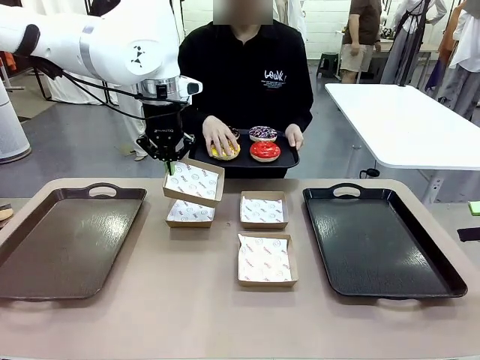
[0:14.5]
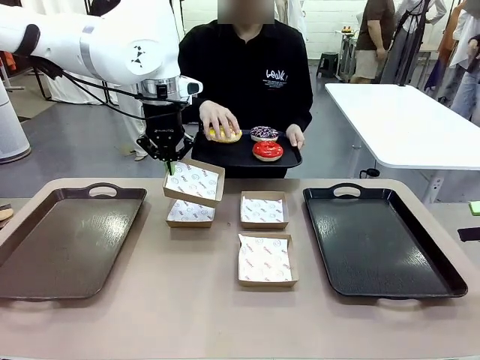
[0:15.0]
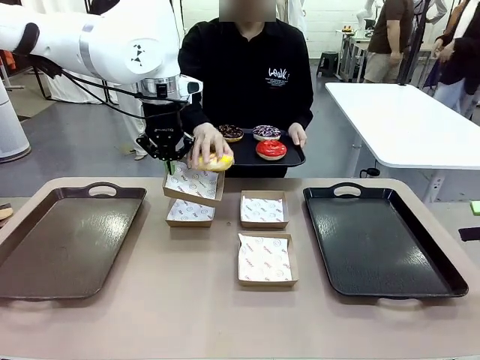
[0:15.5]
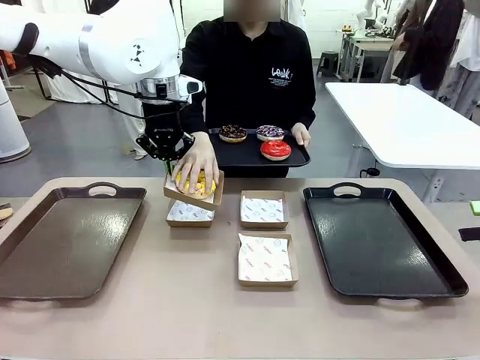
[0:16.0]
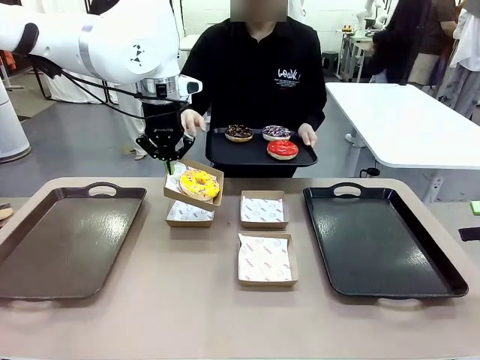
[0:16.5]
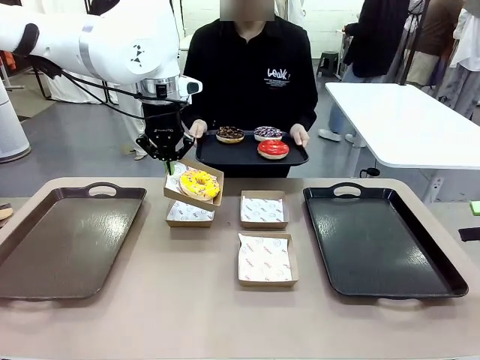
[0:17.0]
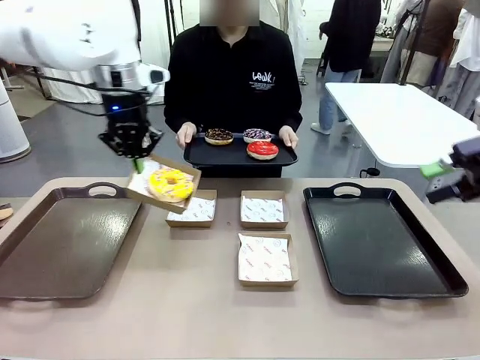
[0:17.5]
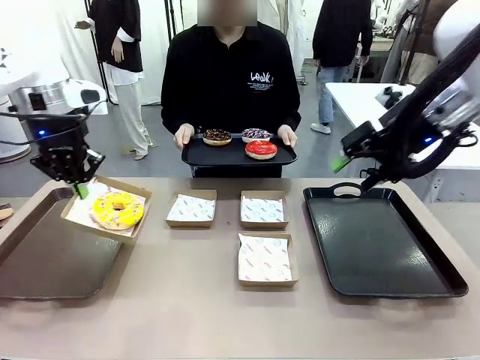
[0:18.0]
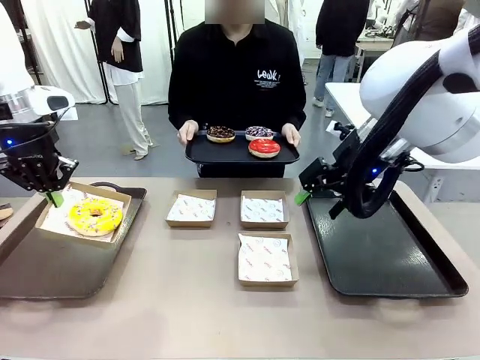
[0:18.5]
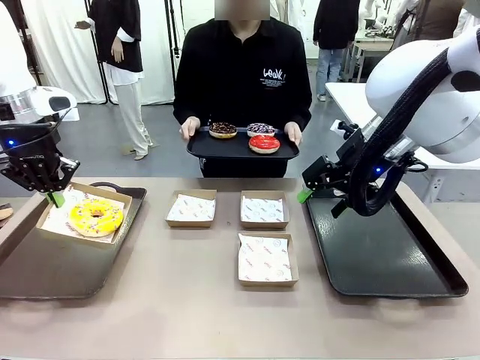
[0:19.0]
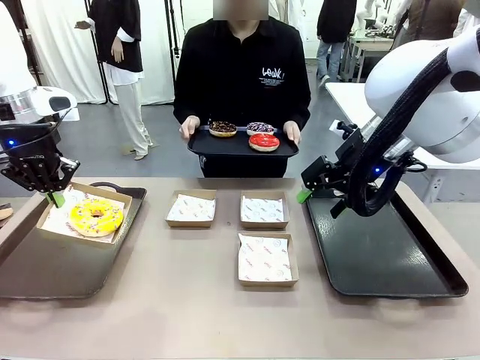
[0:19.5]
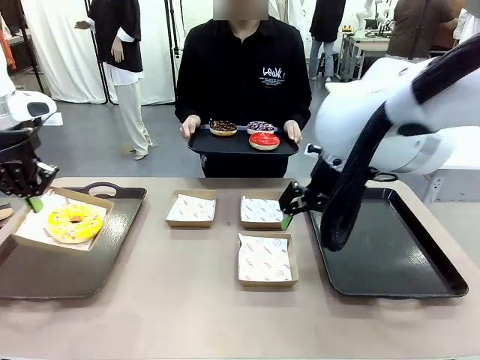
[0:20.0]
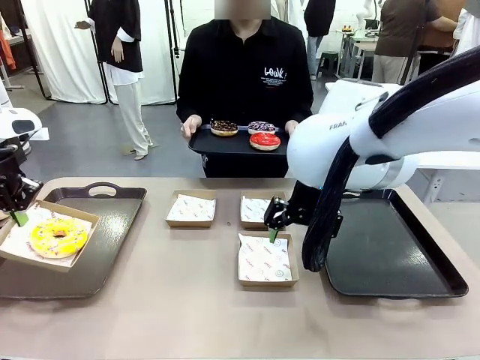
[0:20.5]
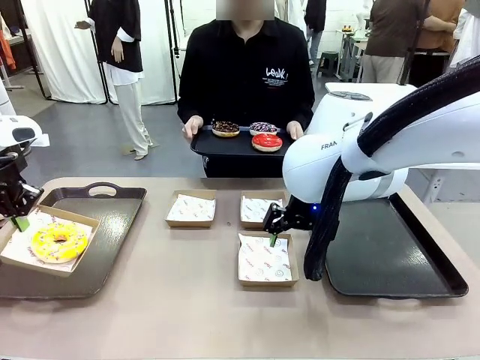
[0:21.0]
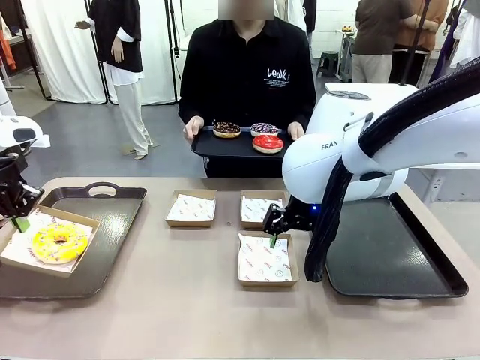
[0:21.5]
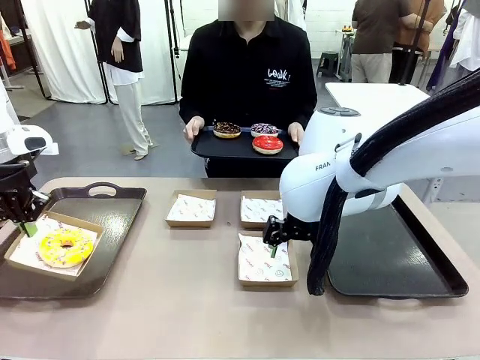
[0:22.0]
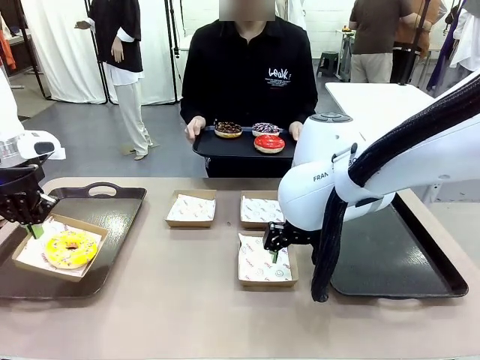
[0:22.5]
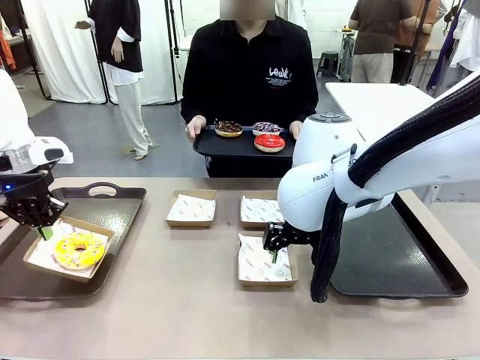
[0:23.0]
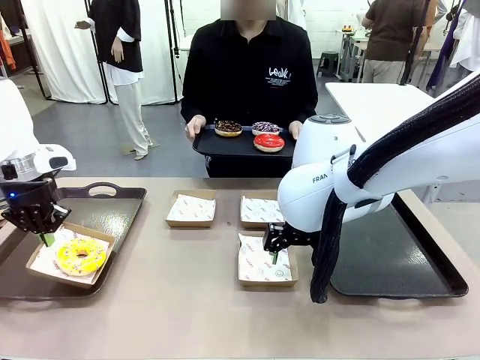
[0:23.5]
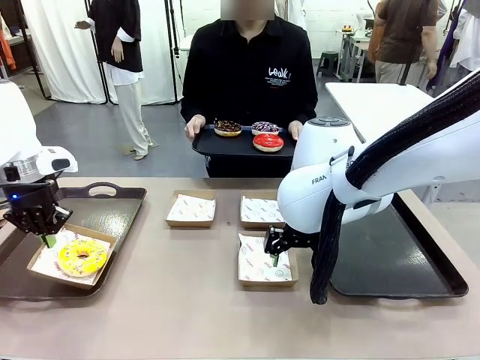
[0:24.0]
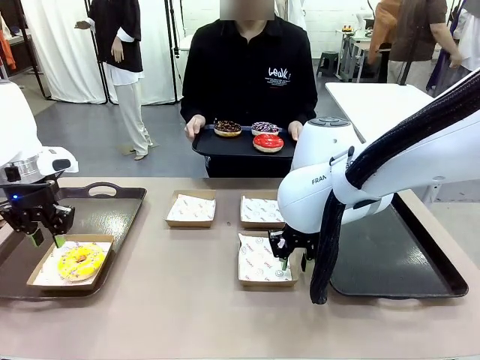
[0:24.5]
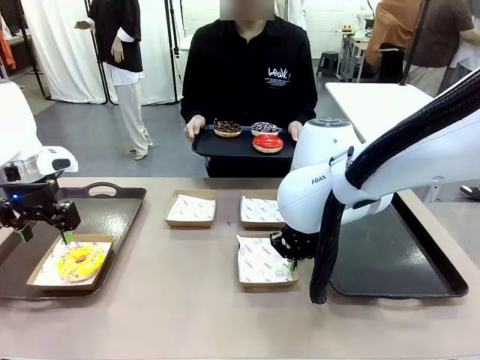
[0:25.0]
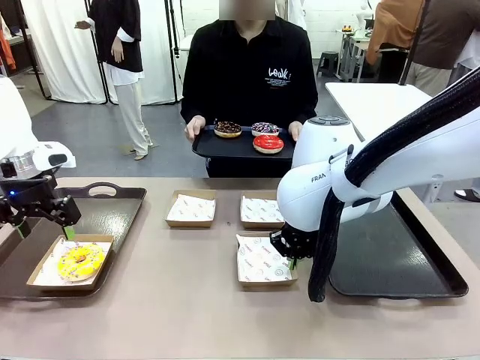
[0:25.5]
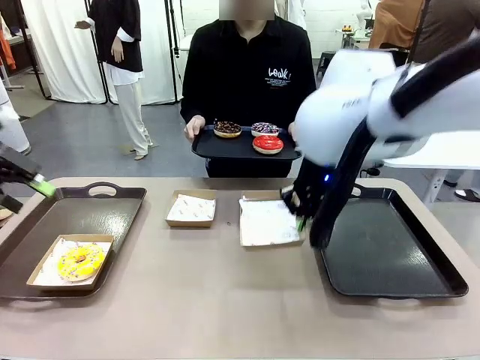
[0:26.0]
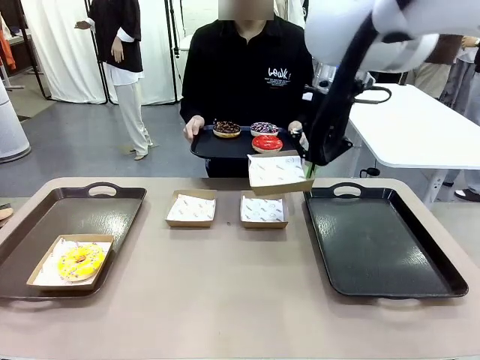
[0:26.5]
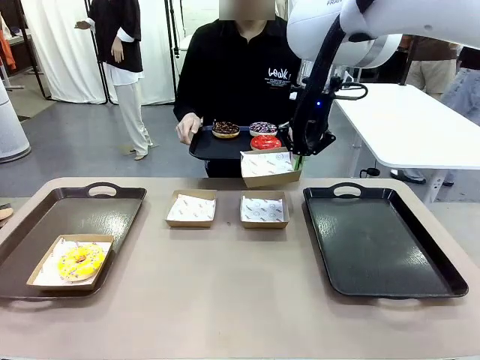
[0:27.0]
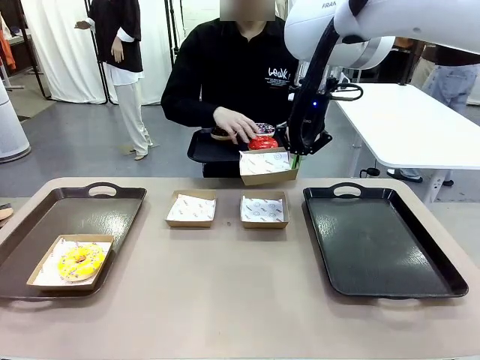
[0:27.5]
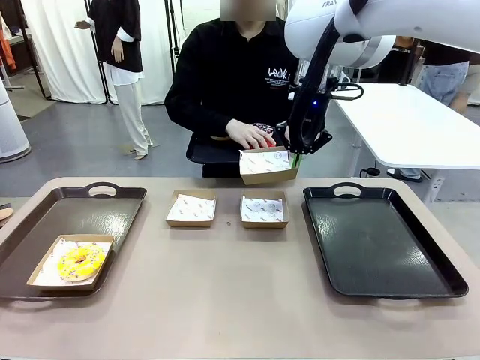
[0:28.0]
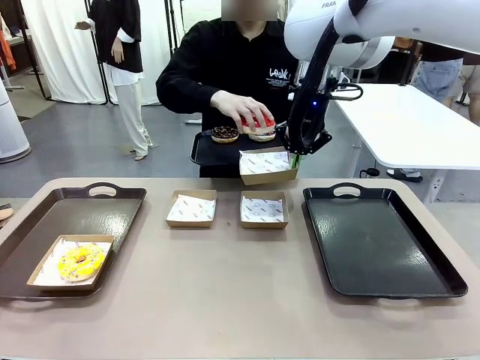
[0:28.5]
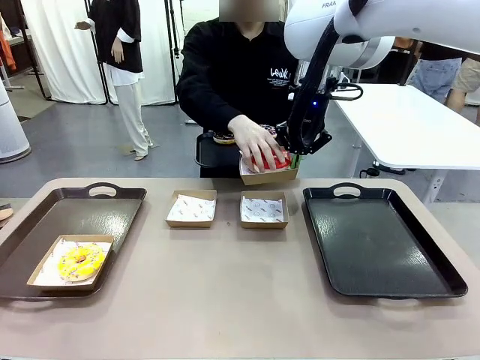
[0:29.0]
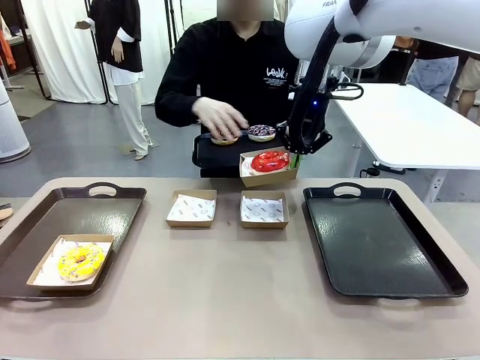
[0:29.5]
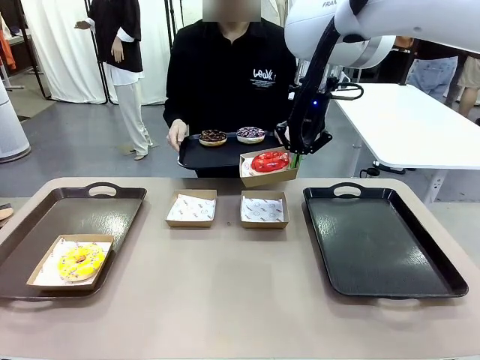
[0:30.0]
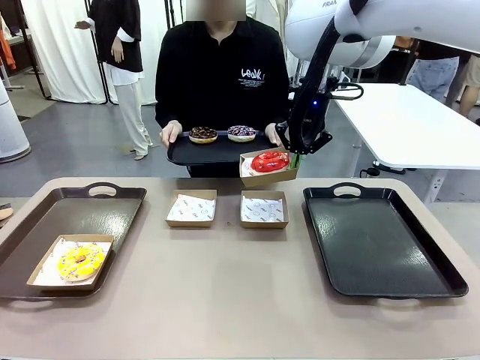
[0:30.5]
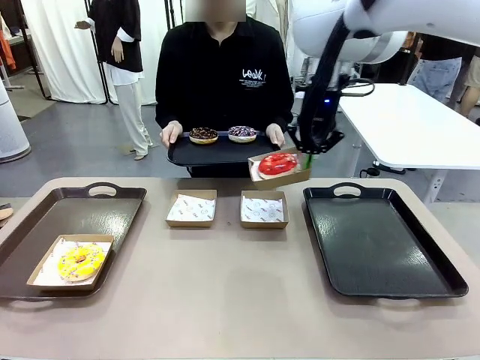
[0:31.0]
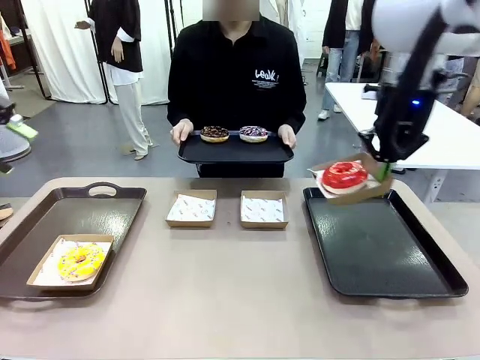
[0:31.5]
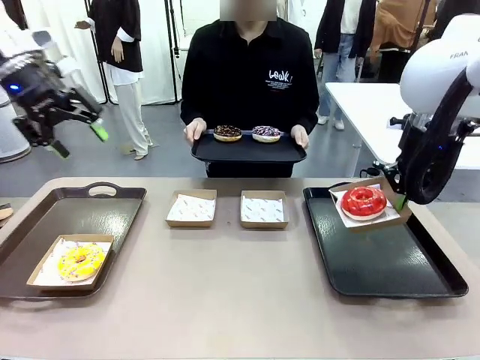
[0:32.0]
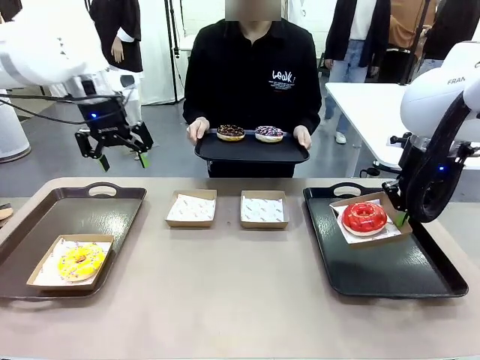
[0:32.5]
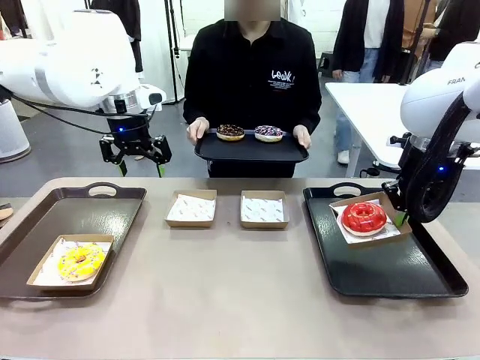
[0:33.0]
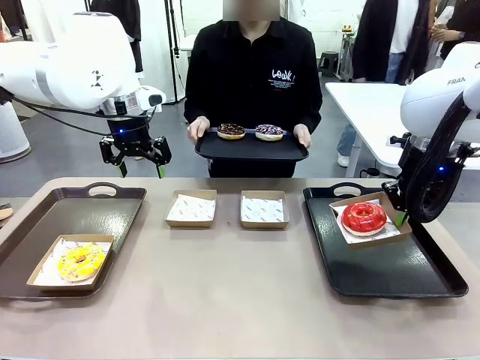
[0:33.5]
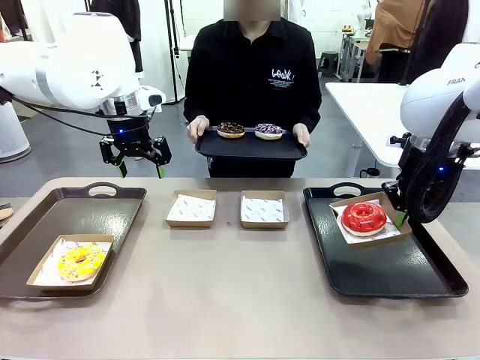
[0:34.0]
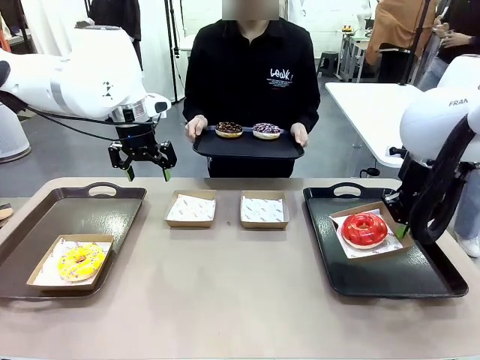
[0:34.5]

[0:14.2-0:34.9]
Task: Individually package the donuts and arrange them on the tray.
Robot: Place the picked Paper togo box on the Handle tray while simultaneously picking up another Paper togo box from the table with the other hand.

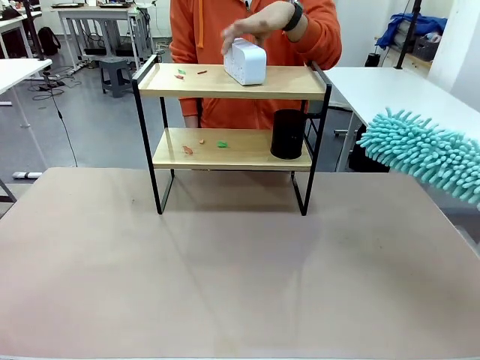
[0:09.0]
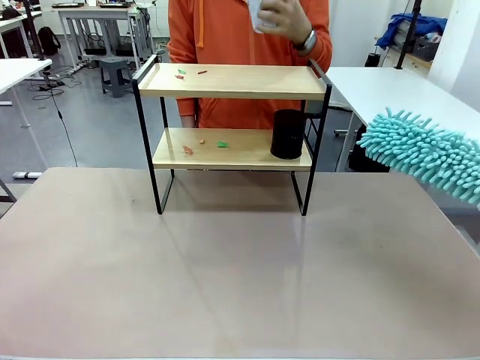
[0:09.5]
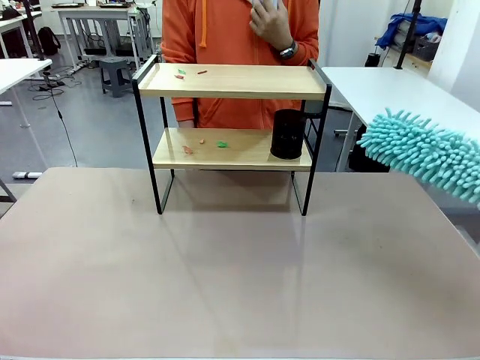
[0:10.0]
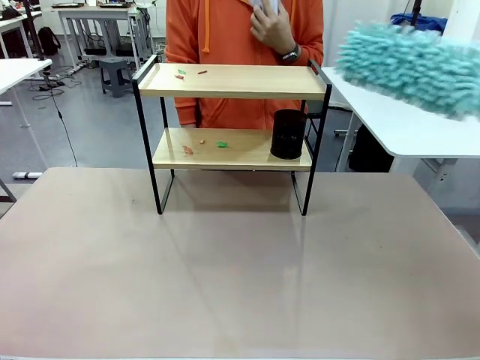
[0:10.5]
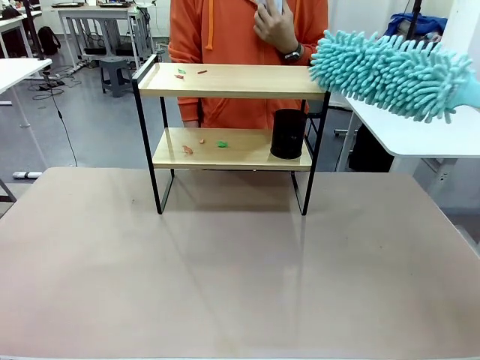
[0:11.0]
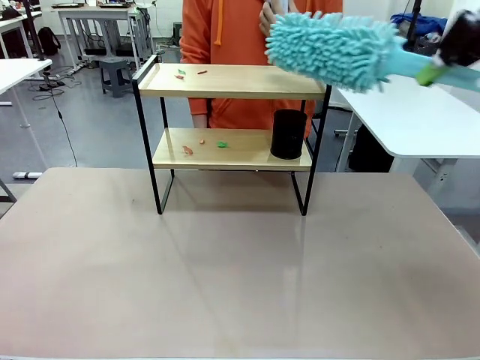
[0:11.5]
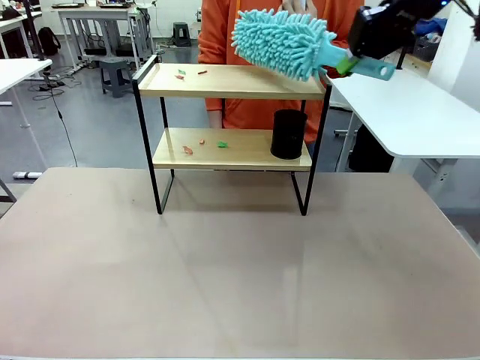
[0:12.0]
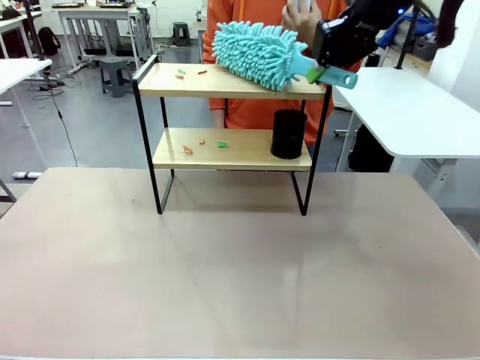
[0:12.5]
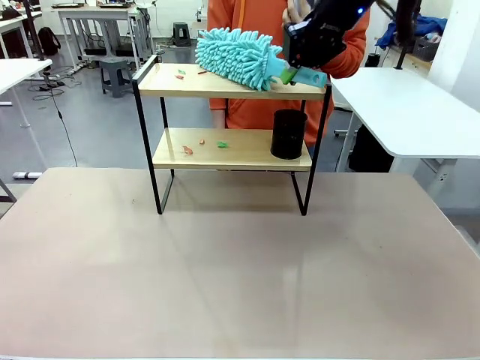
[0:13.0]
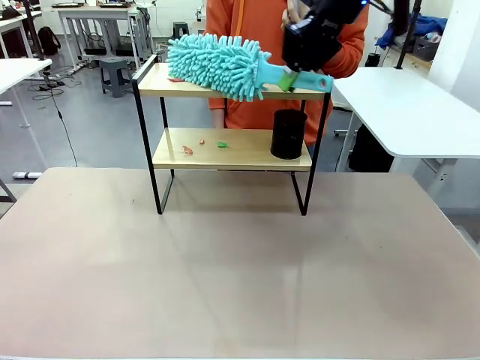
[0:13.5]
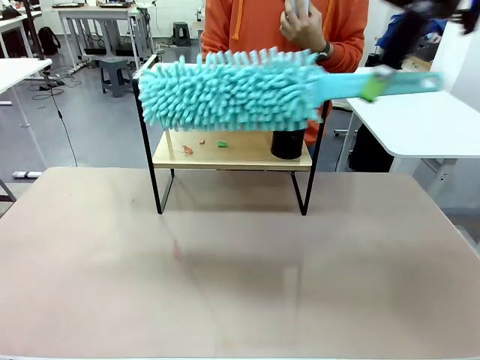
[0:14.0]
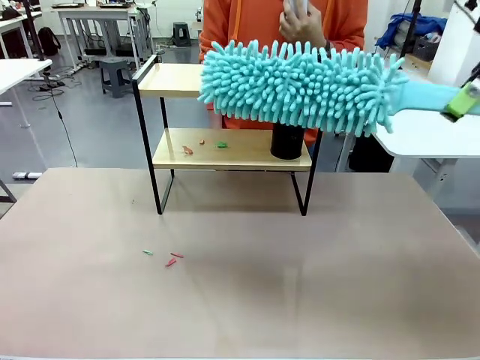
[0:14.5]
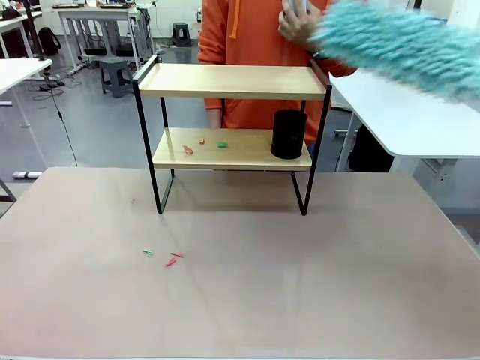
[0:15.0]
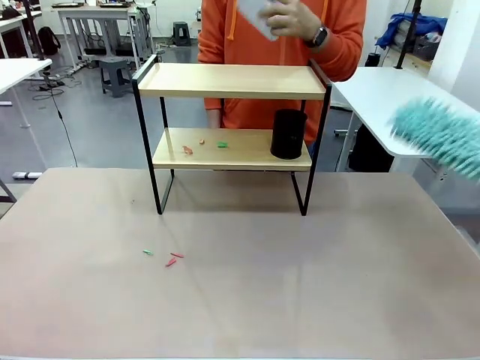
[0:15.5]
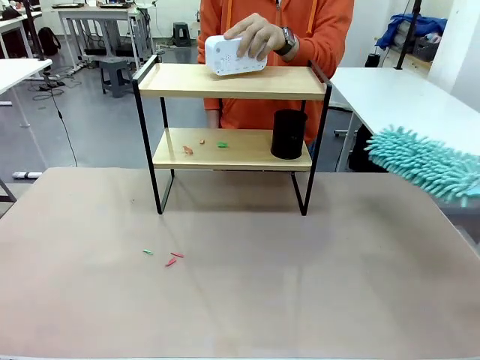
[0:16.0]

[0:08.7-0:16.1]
Task: Clean the shelf.
Robot: Clean the specific tier of the Shelf with the Duster once objects are removed.
Person: Lift the objects on a randomly selected tier of the Shelf. Once the robot finishes cleaning, lift the objects on the remaining tiers of the Shelf.
